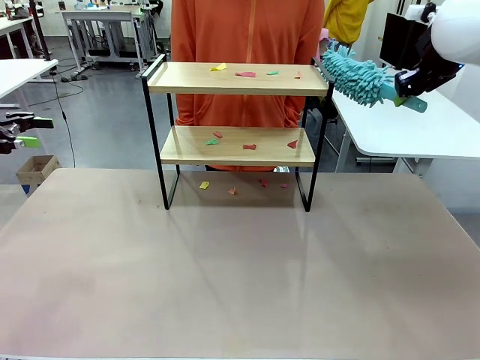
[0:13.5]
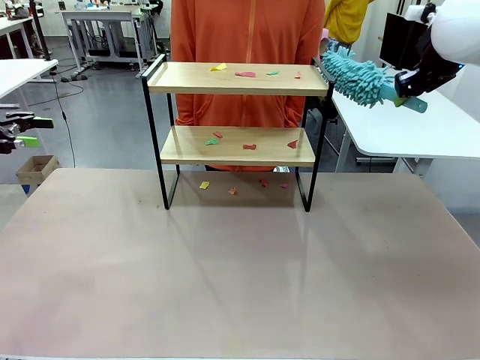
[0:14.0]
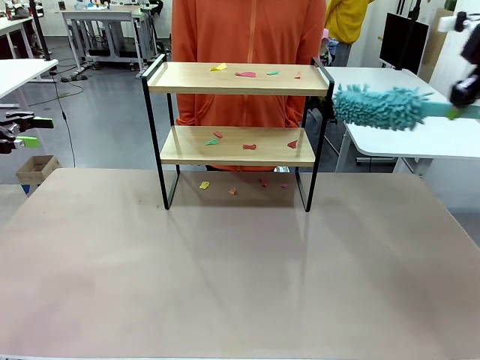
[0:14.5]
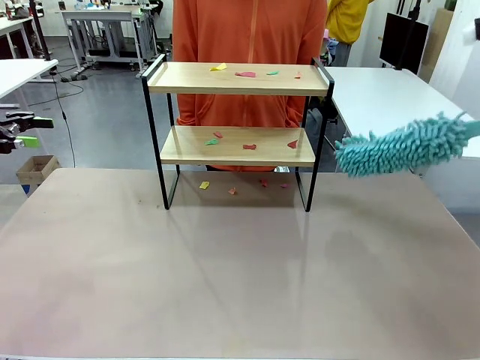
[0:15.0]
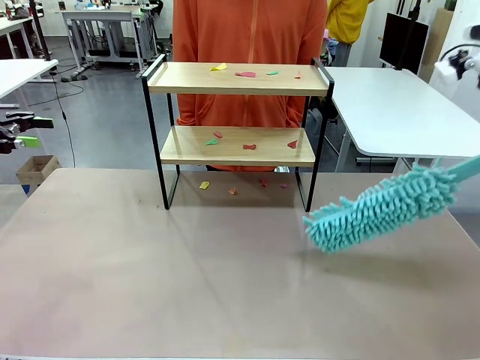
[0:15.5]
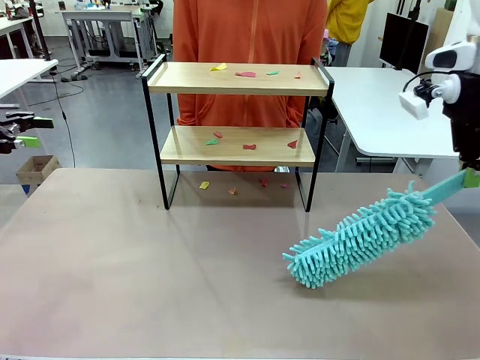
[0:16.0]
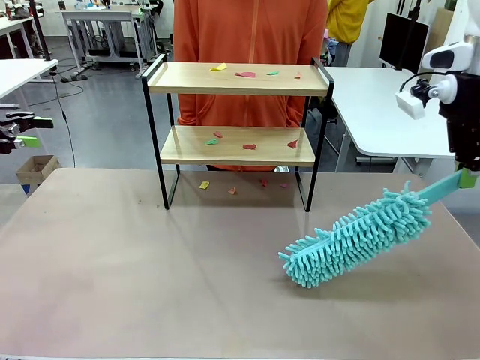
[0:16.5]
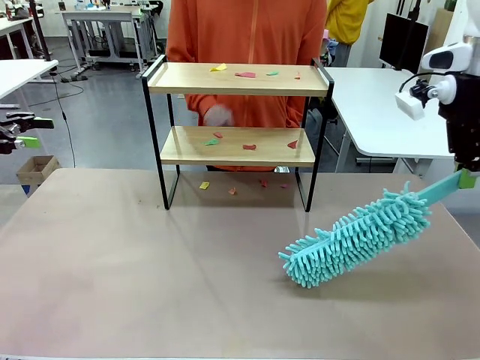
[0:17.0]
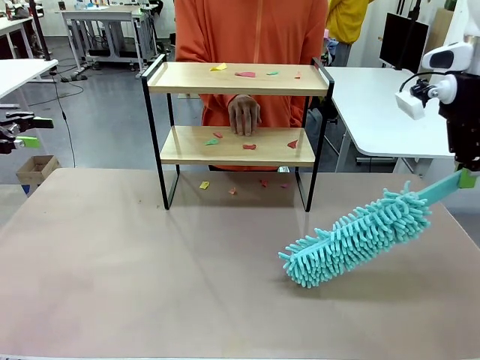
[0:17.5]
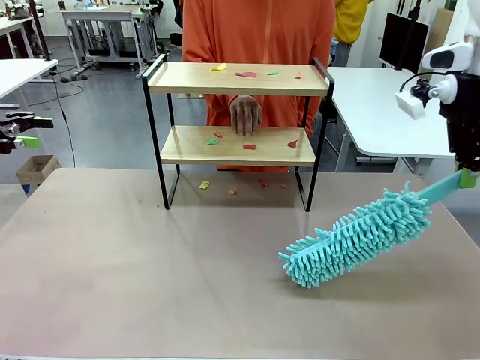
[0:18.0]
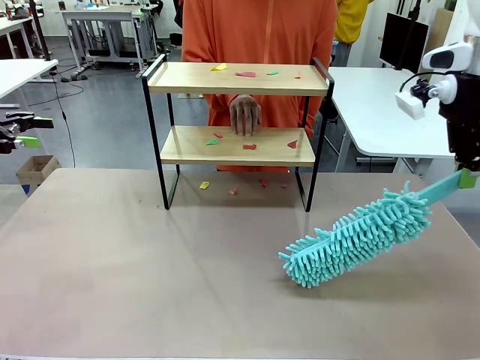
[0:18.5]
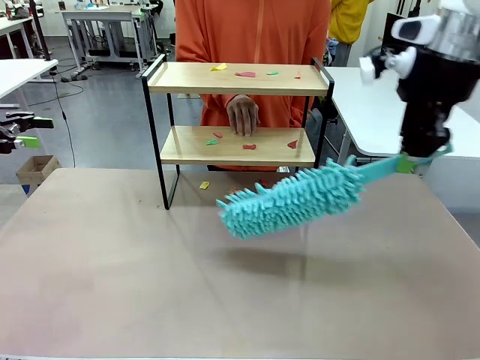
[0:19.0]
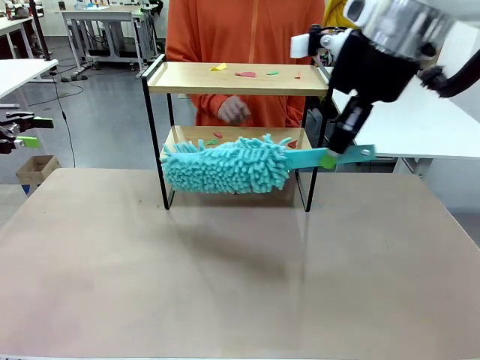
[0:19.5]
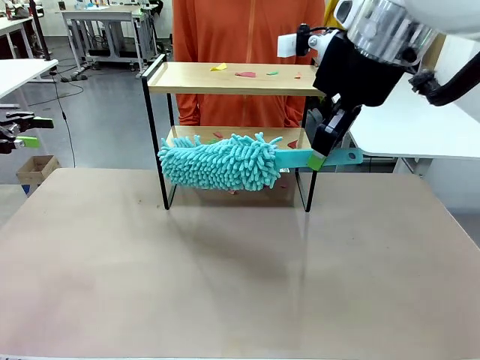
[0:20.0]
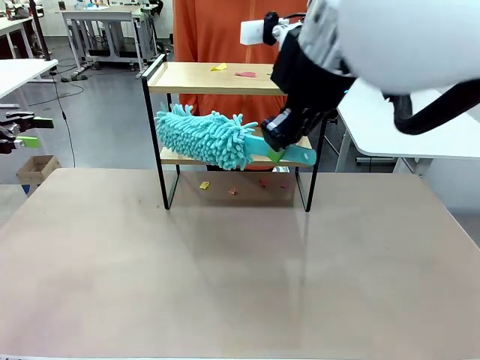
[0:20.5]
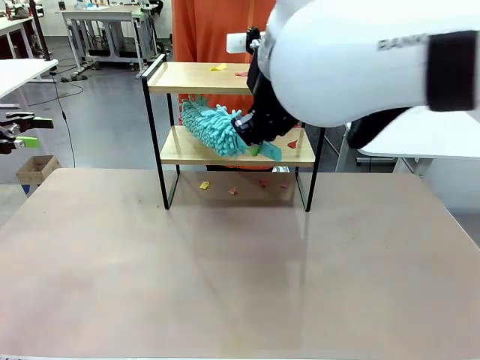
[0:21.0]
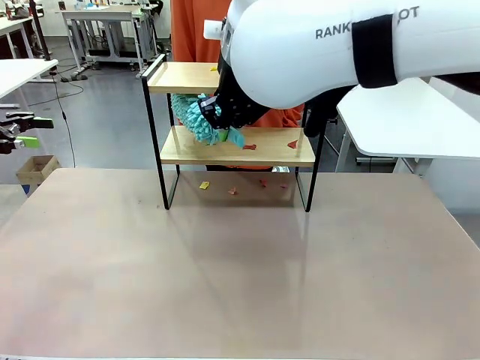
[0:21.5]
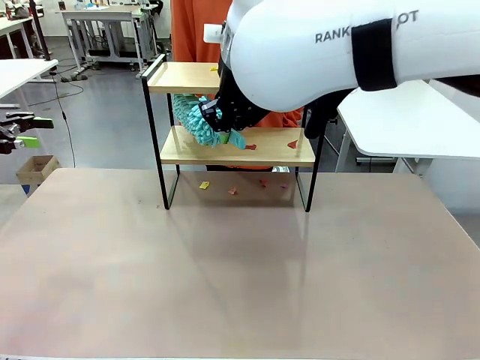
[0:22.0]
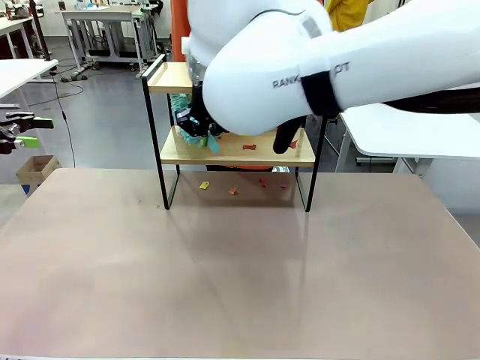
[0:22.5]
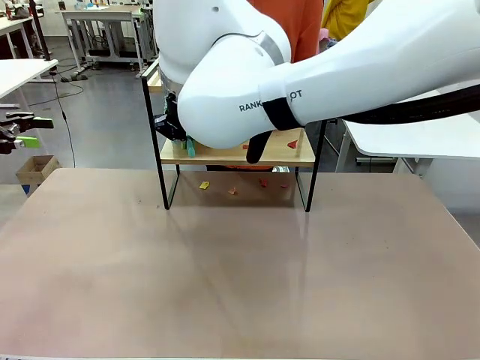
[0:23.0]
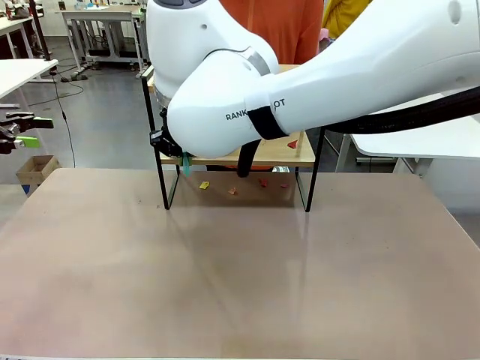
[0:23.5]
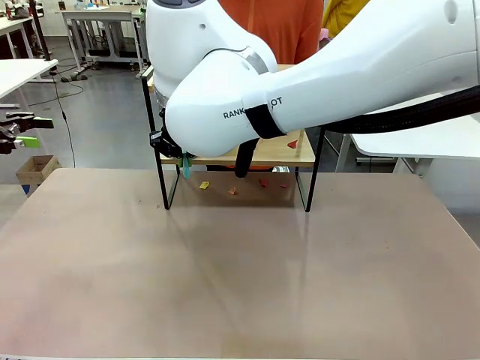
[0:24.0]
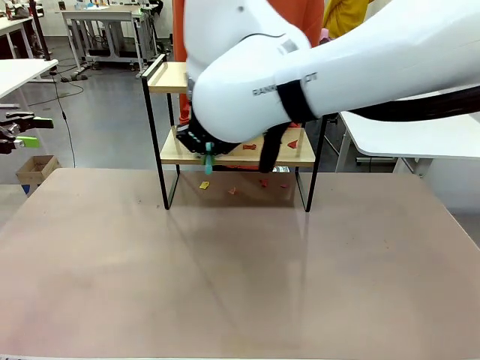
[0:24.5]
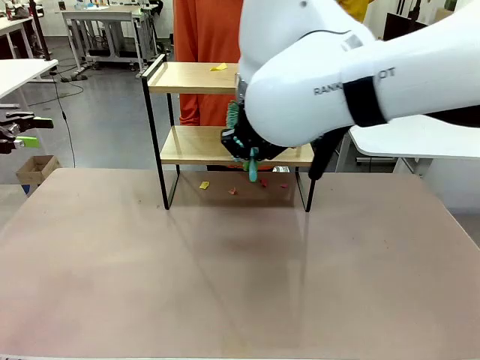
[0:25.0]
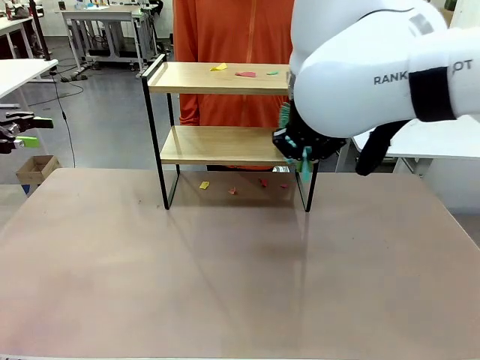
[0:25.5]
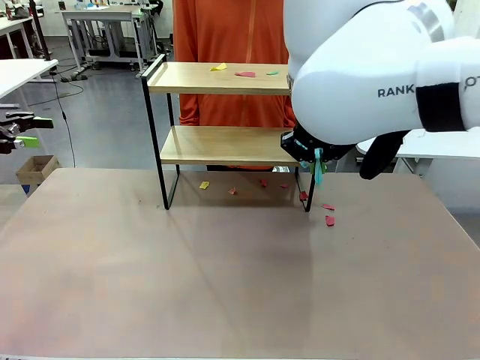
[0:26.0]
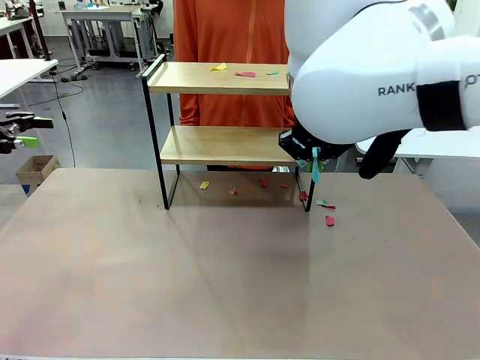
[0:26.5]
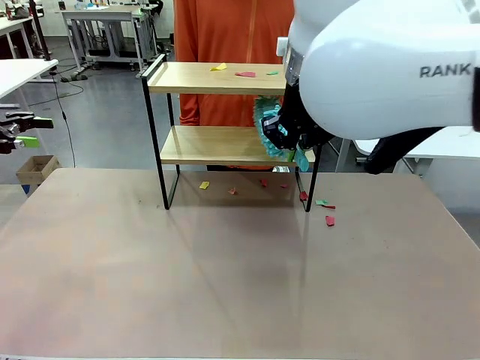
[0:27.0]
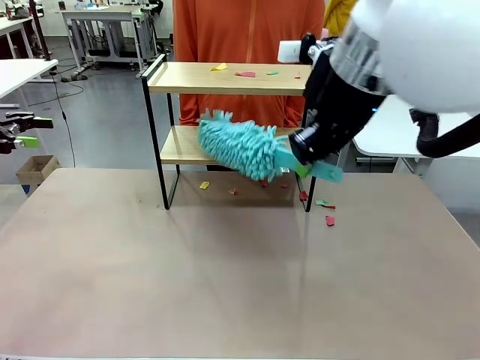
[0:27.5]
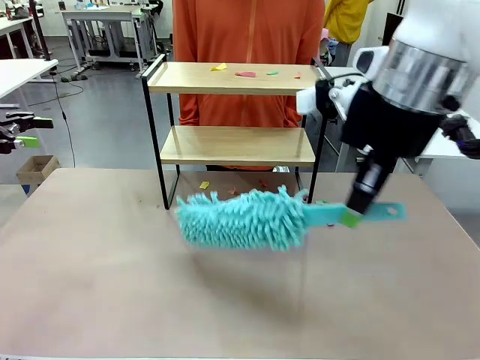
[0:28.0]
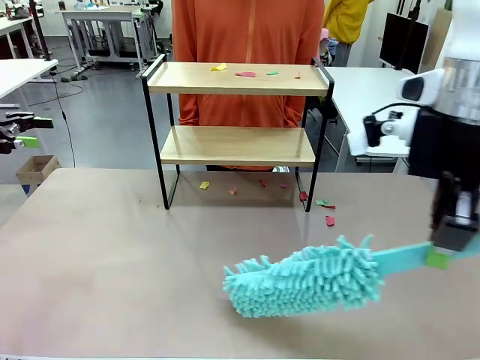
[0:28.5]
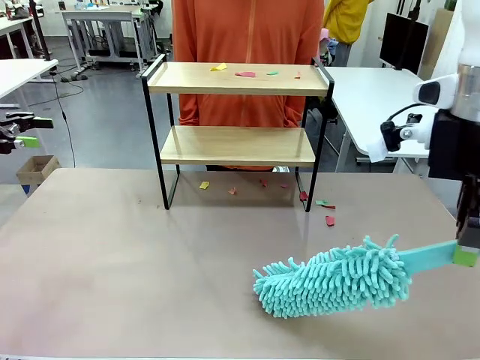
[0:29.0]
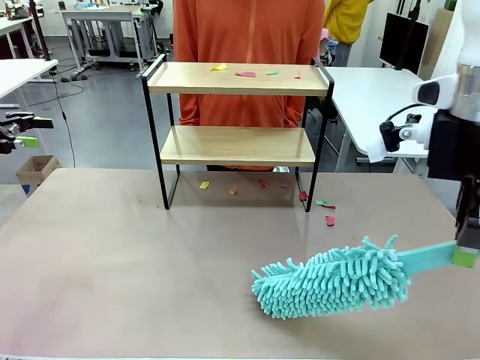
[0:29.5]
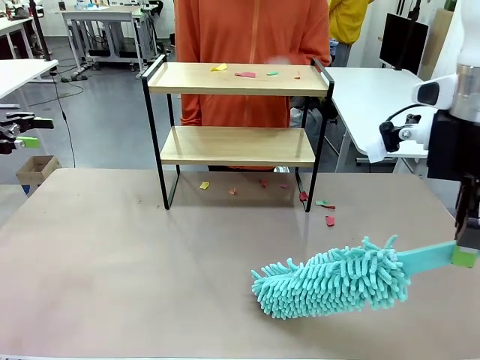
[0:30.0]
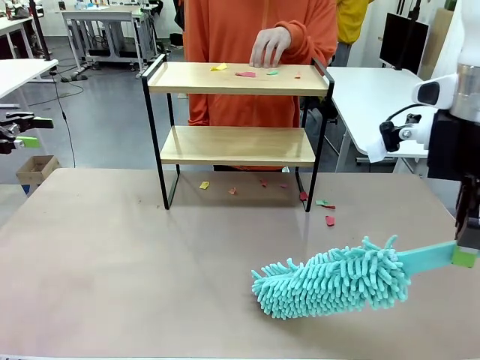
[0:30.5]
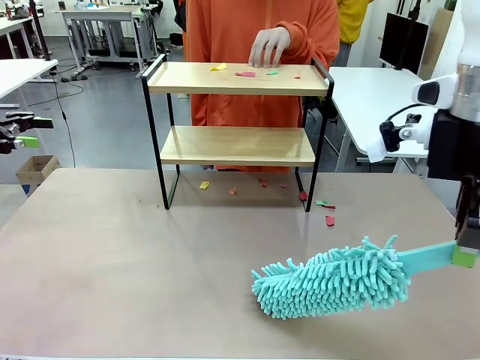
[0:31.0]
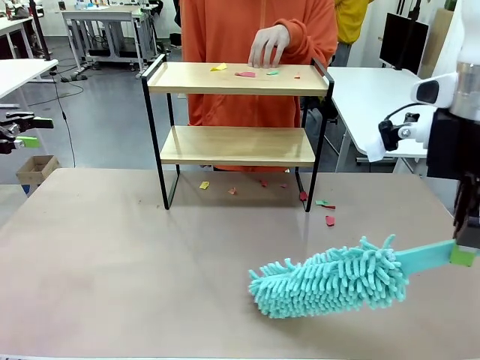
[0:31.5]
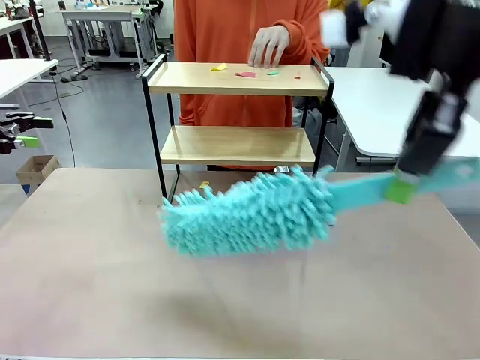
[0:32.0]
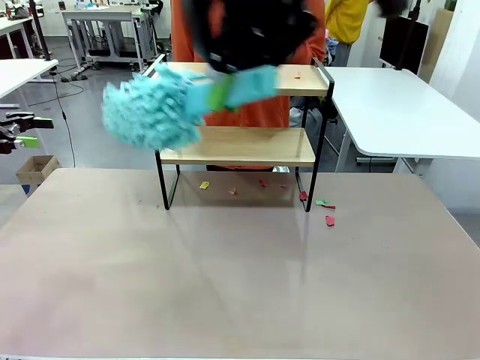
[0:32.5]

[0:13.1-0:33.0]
Task: Clean the shelf.
Robot: Clean the specific section of the Shelf indicated by the human with the Duster.
Person: Point a random section of the Shelf.

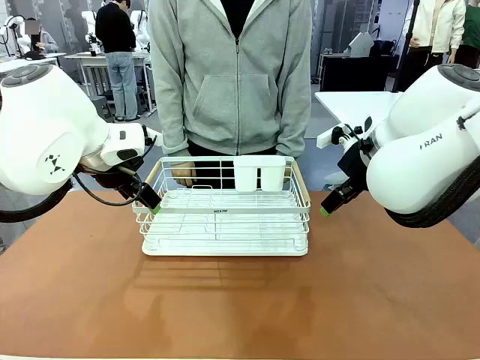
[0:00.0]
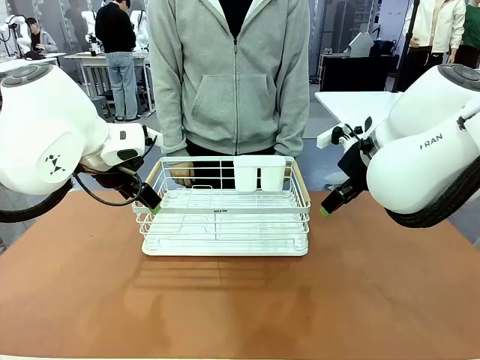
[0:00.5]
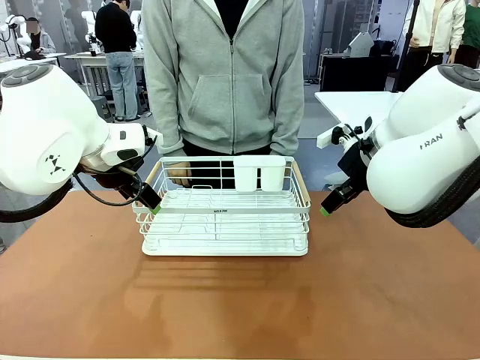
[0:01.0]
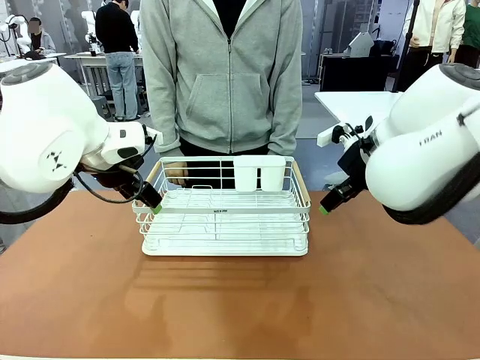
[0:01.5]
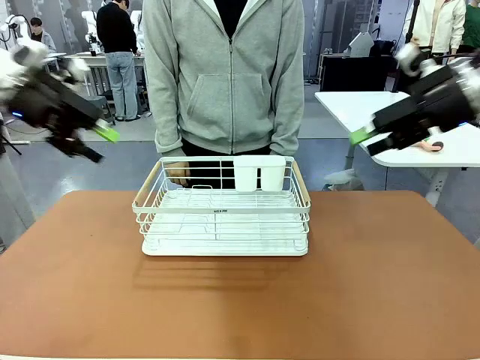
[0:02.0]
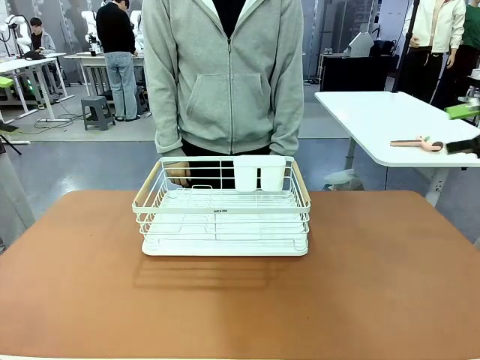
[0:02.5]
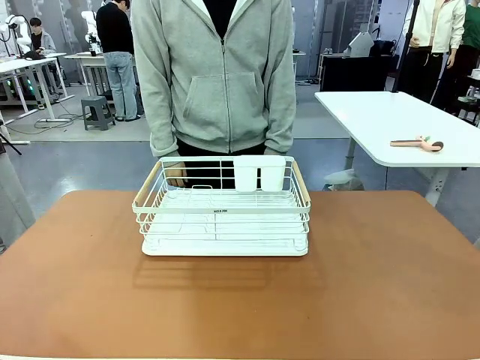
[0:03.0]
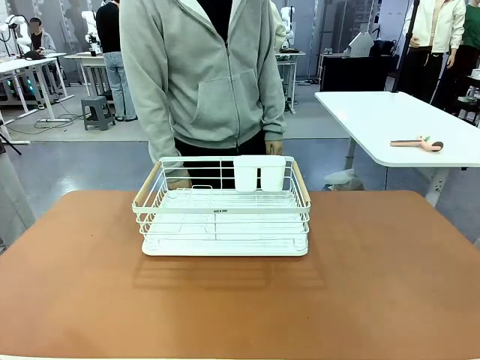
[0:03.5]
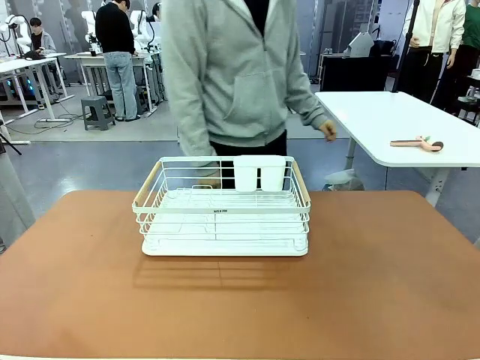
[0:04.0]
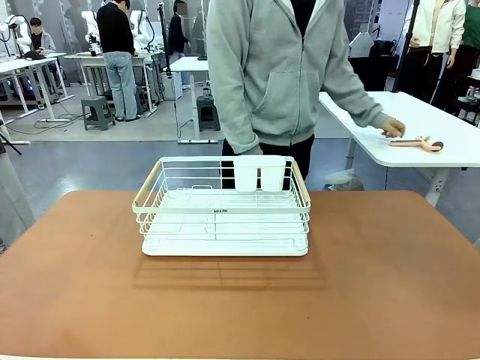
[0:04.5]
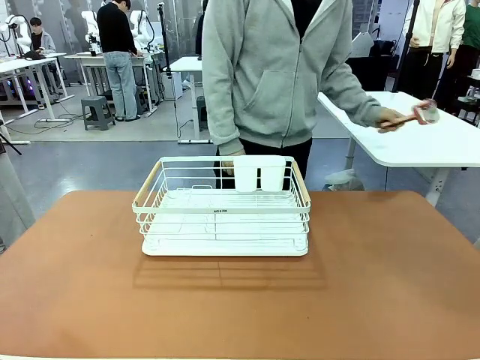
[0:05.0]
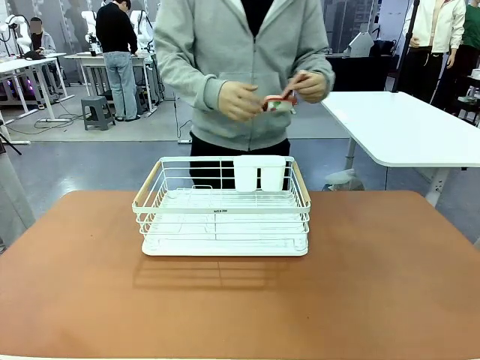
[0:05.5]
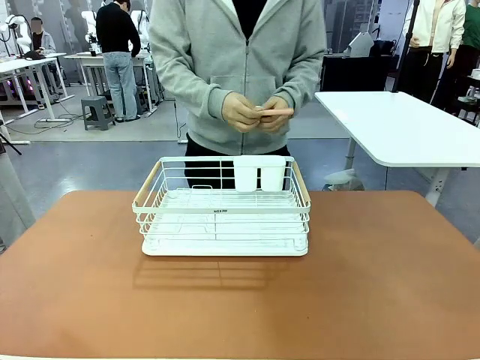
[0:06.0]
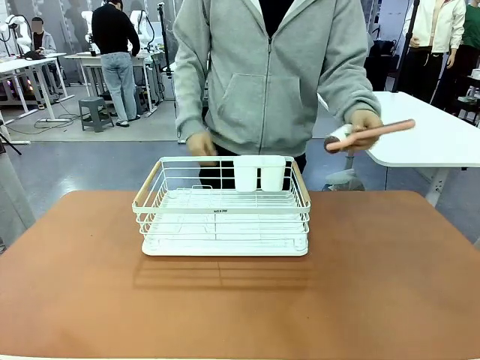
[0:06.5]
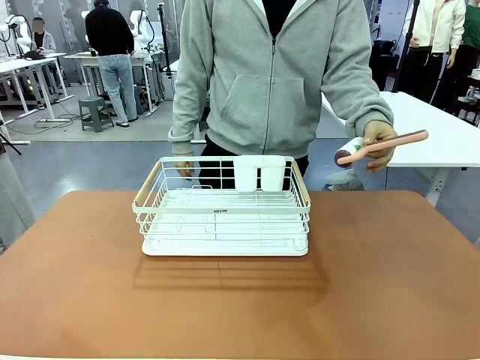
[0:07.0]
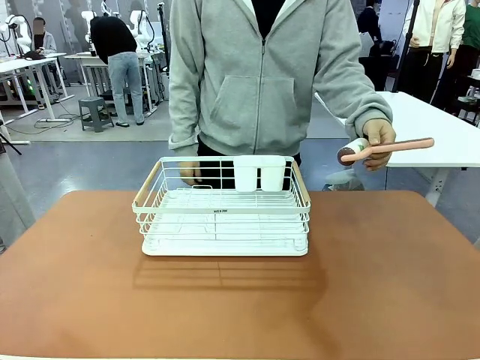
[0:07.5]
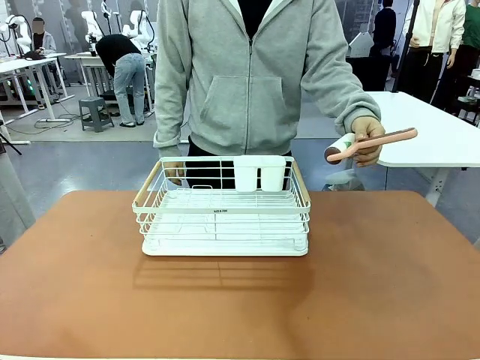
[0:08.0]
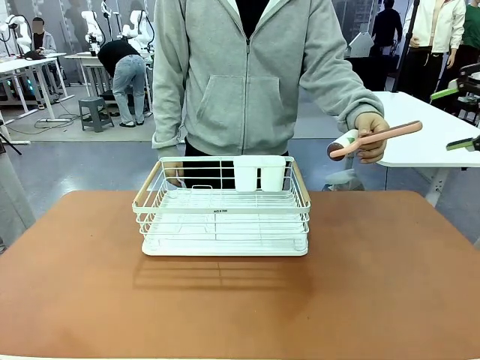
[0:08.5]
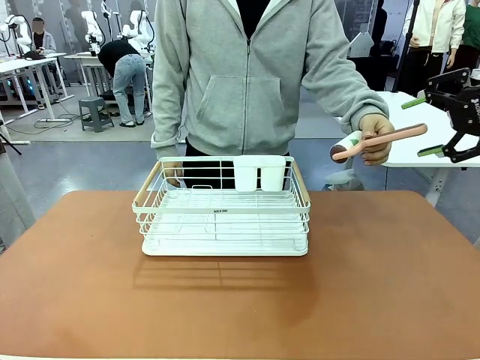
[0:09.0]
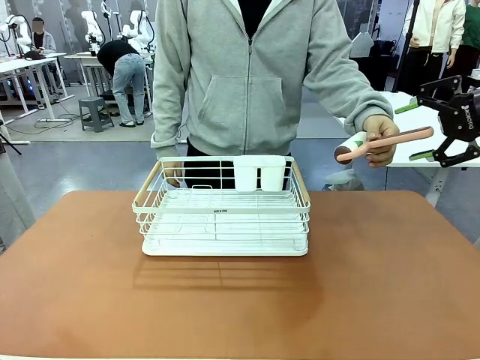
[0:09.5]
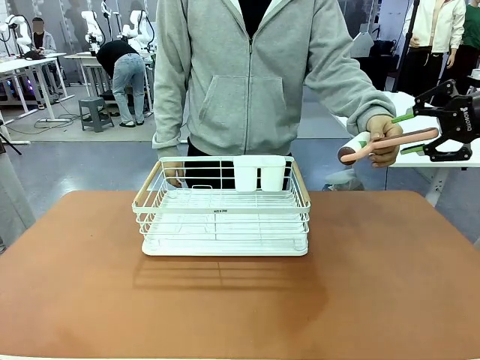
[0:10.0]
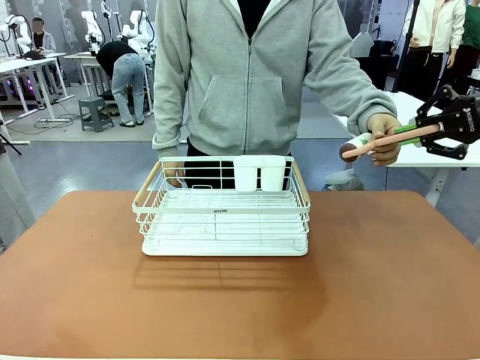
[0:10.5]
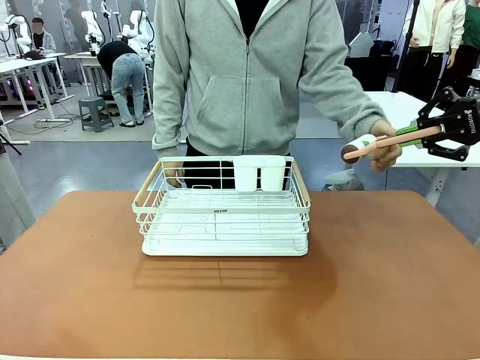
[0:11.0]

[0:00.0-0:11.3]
Task: Clean the table.
Robot: Pick up the Lint Roller when the human hands it over.
Person: Hand the Lint Roller to the robot so it can easily pick it up. Lift the Dish drying rack.
